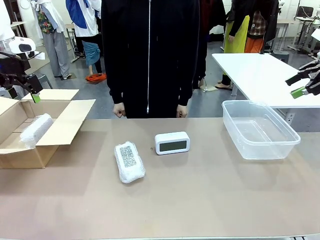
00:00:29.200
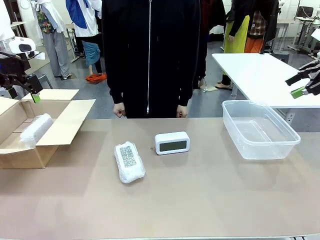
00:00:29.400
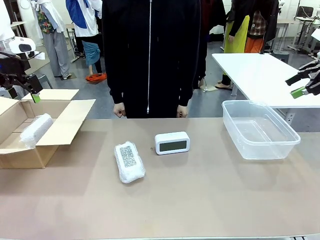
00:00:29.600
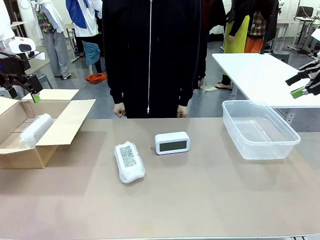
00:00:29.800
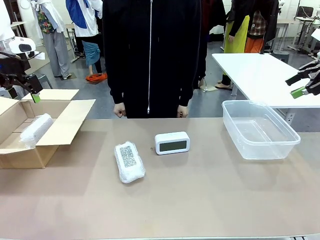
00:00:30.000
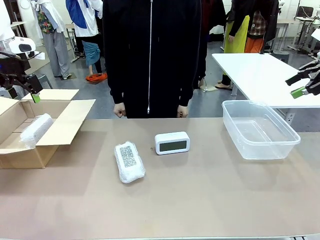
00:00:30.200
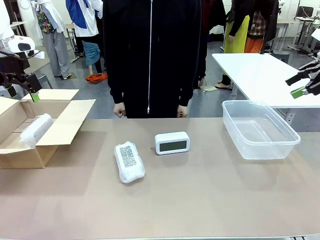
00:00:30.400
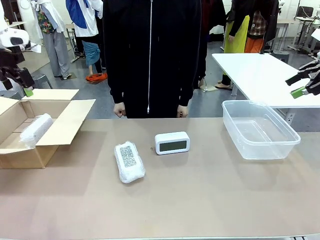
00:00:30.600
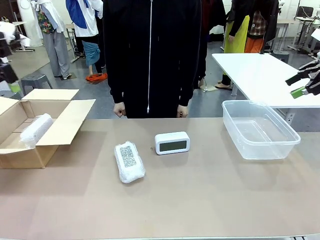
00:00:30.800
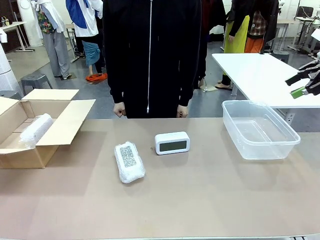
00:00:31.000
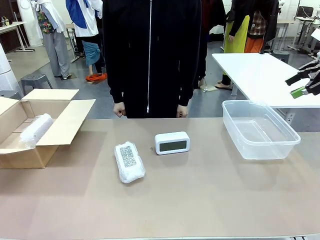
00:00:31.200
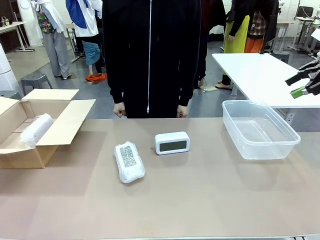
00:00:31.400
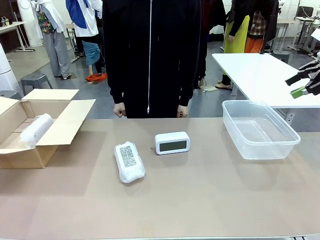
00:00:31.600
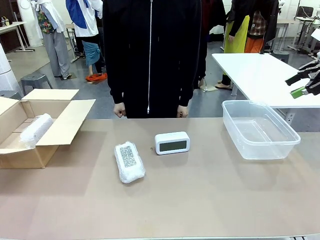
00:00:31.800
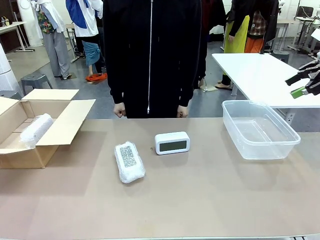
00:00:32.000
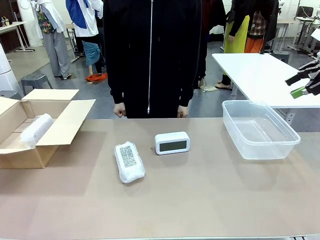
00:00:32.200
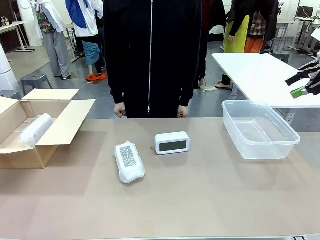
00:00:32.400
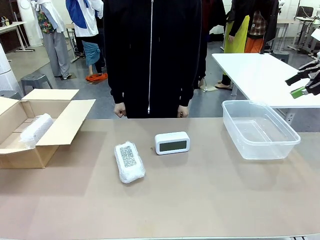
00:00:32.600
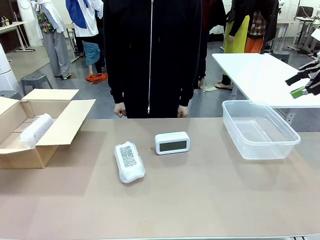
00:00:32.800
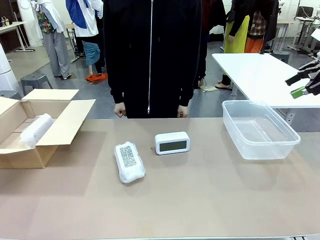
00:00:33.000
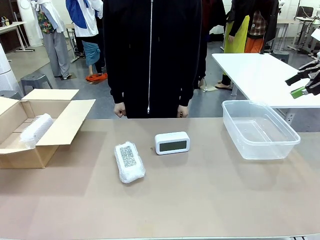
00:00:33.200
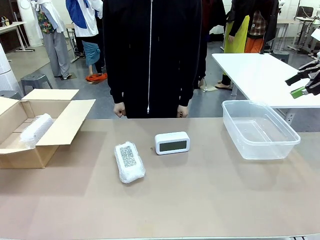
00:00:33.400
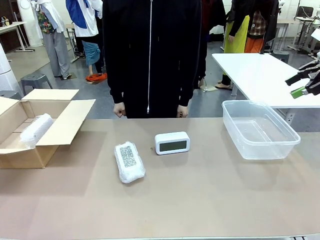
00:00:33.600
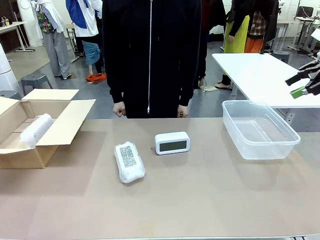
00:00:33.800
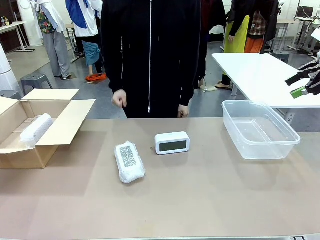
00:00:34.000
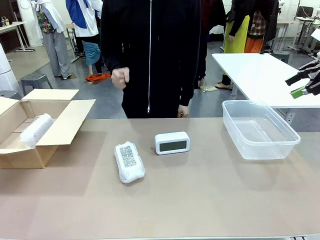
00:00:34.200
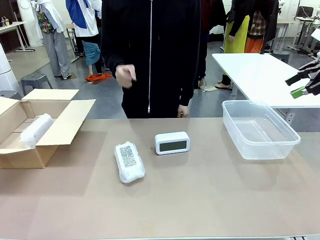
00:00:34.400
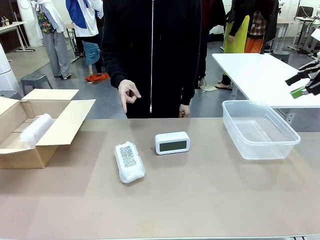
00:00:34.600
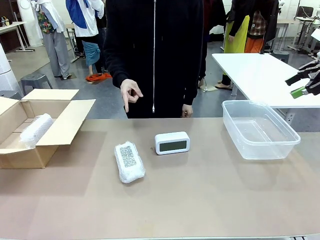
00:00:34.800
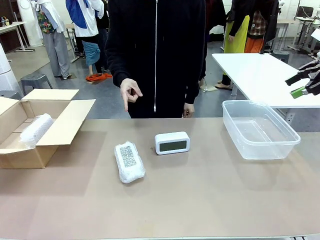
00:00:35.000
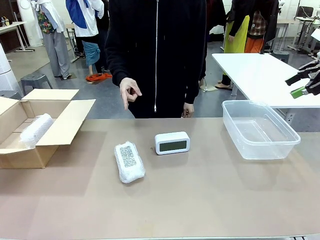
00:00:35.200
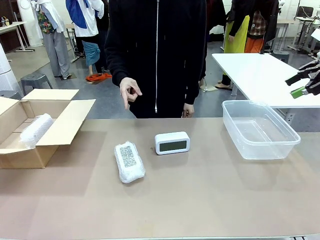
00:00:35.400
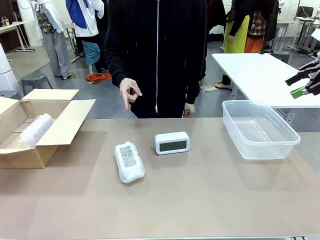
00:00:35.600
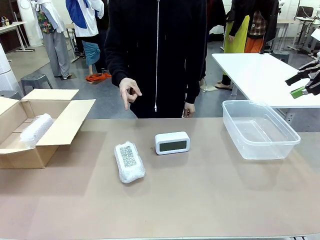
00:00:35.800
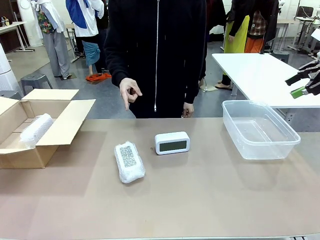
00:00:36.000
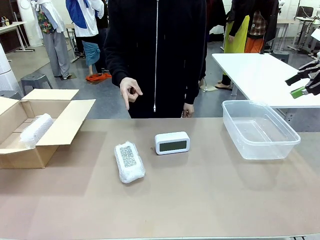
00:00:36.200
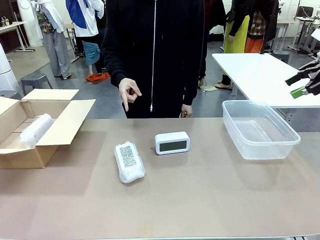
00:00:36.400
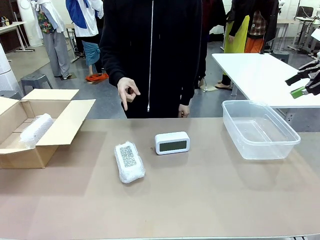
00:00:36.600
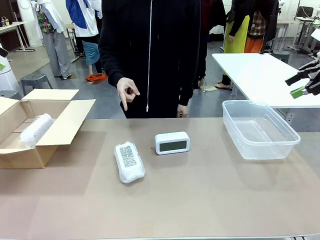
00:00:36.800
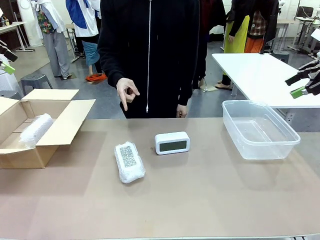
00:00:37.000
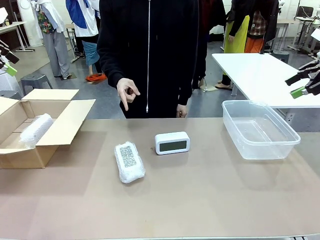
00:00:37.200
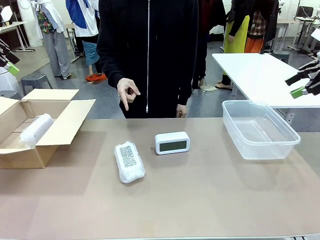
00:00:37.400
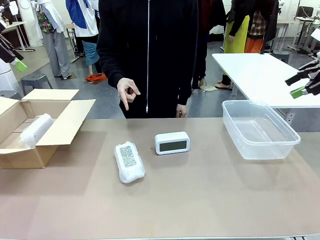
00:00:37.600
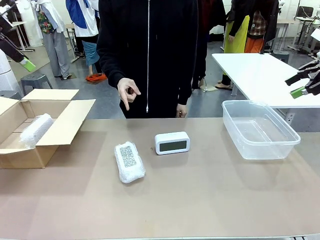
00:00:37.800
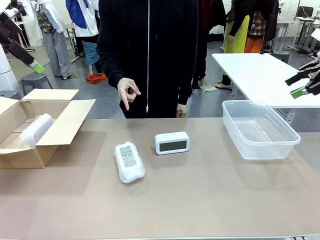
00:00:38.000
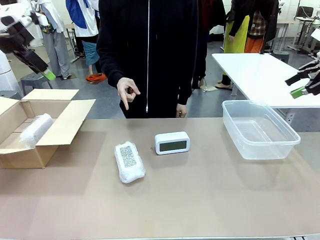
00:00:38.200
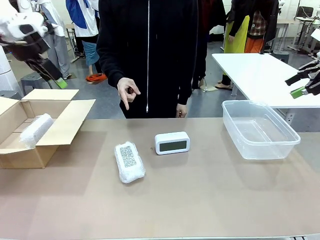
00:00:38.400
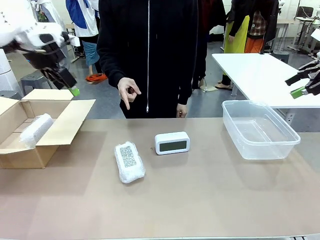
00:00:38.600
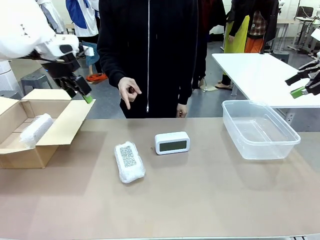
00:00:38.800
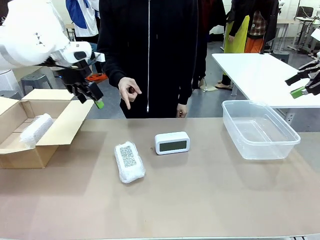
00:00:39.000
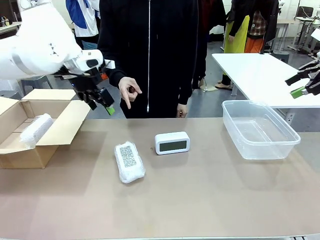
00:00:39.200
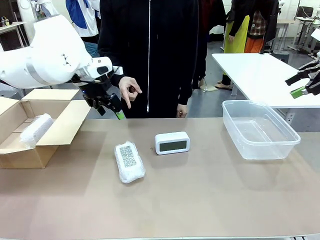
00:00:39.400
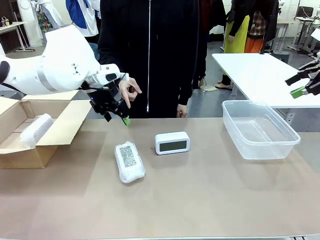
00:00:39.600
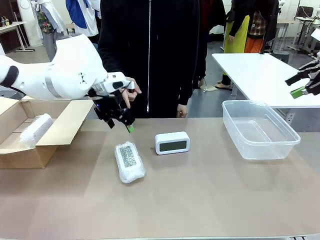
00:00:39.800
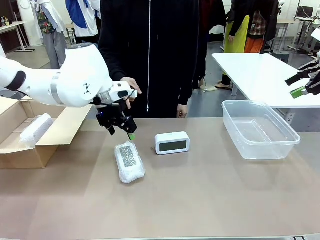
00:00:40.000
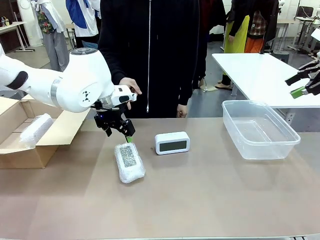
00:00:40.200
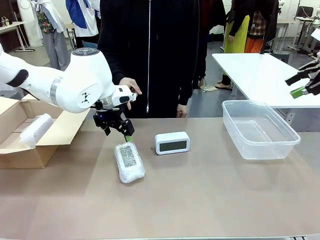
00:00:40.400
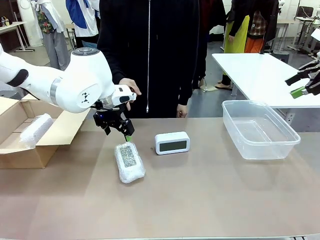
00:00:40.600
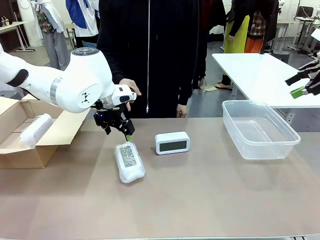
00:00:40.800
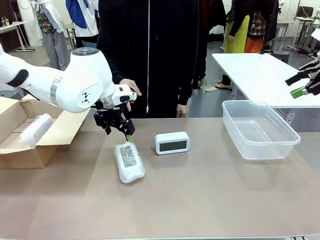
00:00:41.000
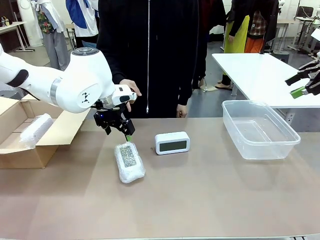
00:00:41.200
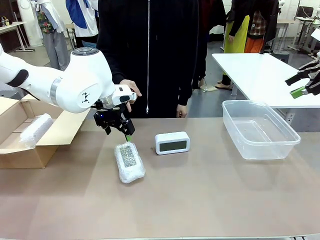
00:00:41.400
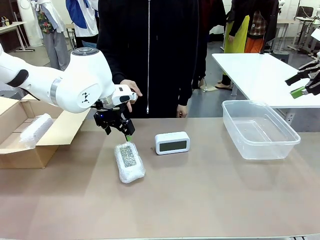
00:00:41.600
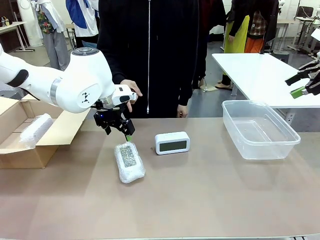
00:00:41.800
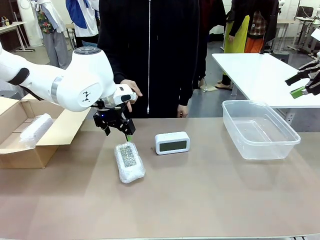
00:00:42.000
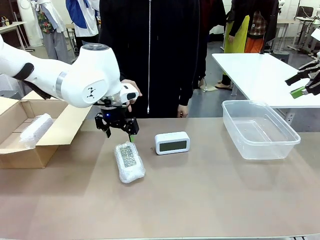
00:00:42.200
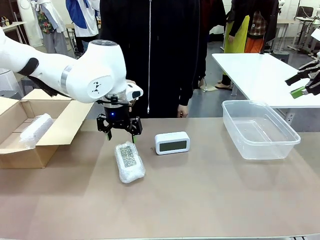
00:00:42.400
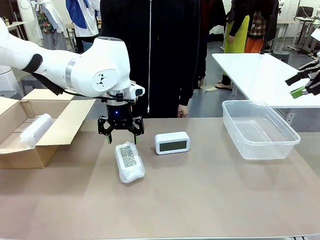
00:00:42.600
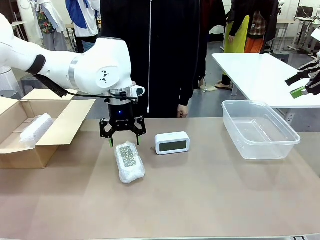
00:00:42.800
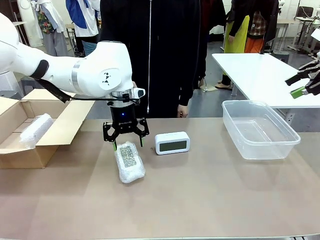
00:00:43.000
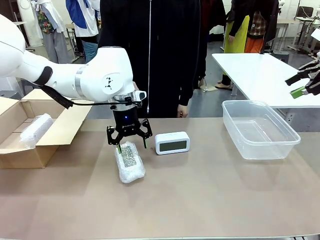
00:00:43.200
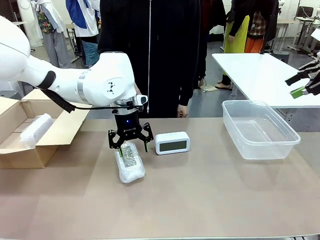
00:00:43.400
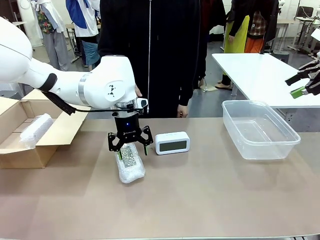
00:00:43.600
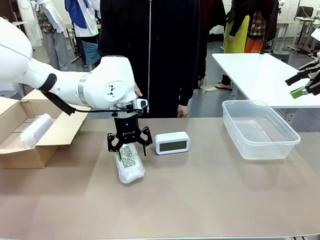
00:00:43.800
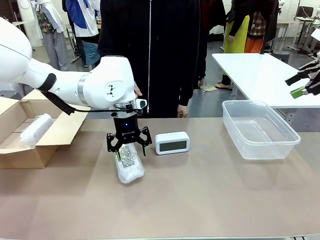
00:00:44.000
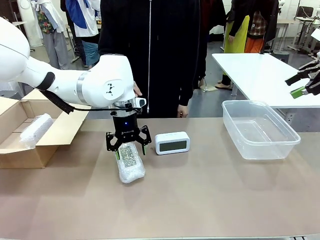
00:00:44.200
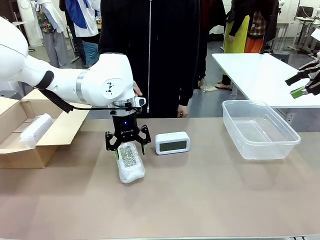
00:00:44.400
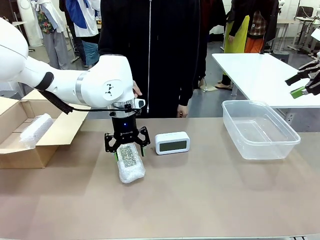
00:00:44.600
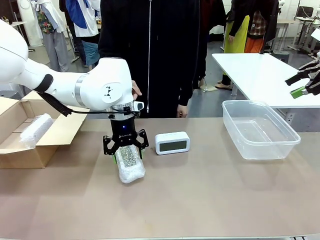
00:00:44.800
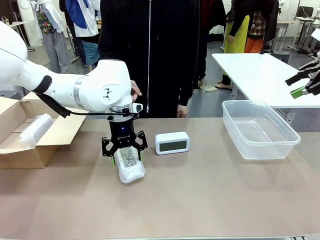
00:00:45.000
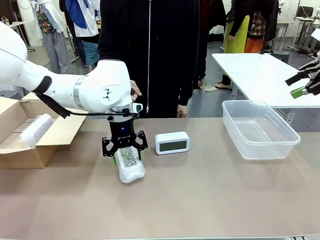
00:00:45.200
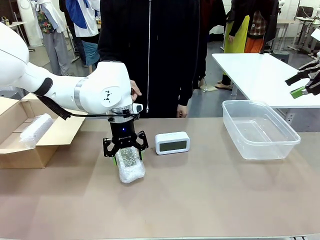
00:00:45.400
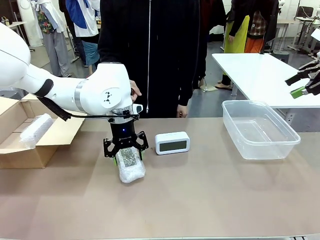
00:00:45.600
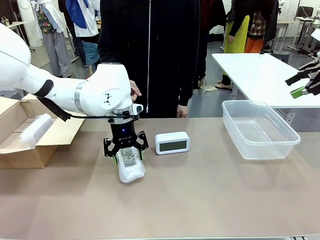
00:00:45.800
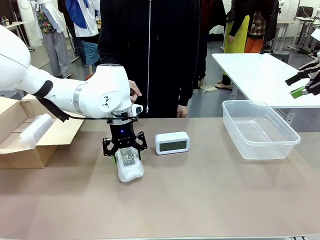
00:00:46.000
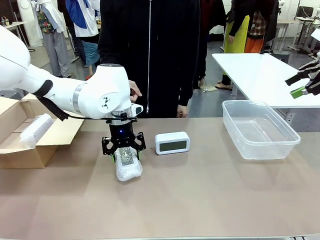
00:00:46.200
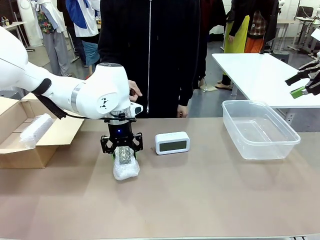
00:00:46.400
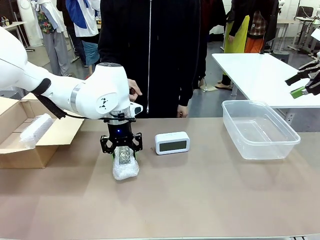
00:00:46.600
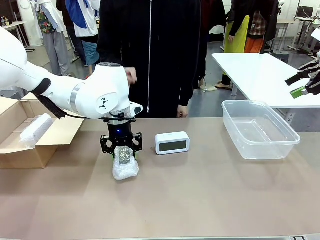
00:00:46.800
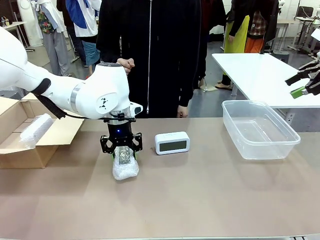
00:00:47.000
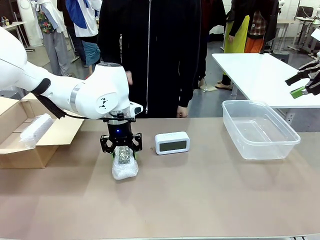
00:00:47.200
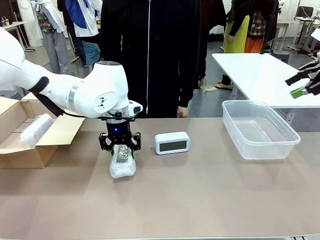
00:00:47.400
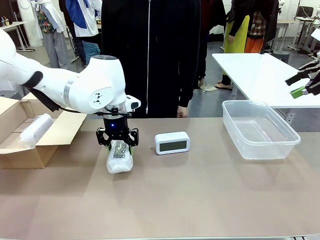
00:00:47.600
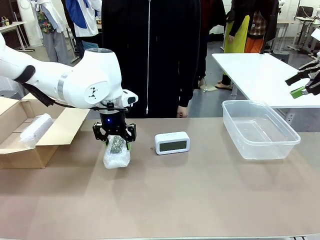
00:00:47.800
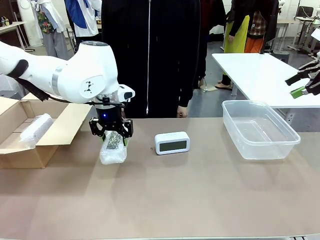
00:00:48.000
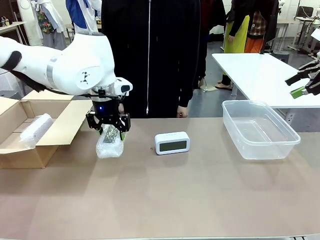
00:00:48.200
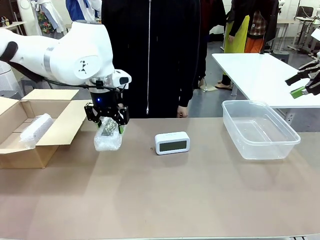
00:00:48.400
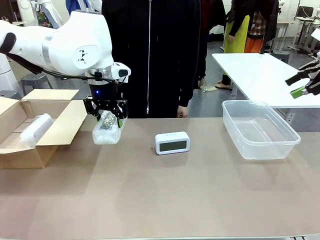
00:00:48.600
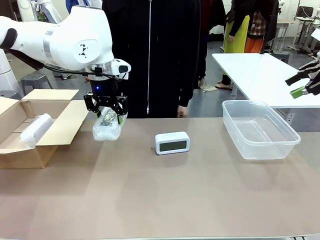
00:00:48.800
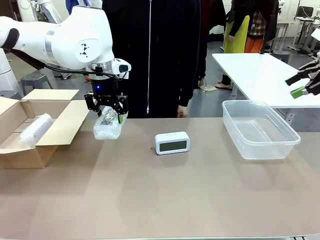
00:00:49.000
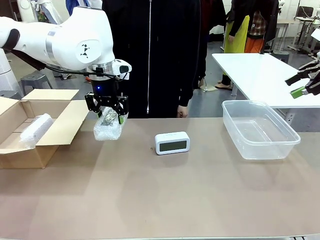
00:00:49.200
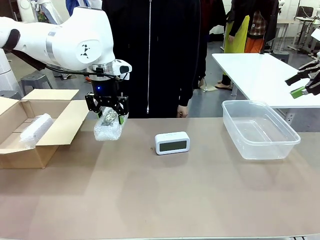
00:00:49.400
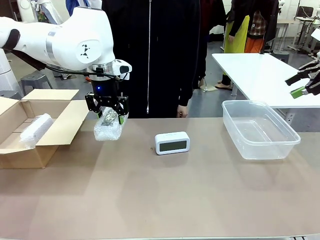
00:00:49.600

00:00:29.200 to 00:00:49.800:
Task: Separate and place wrapped and unwrapped clocks.
Robot: Pick up the Digital clock indicated by the person.
